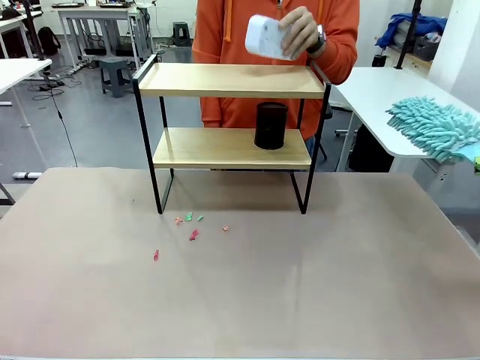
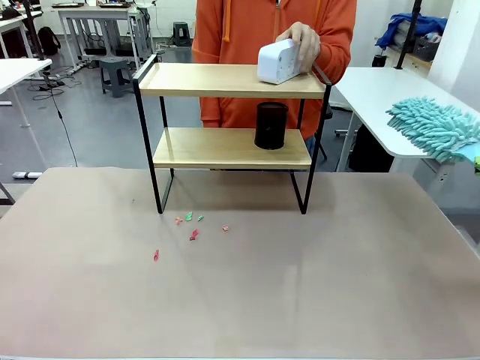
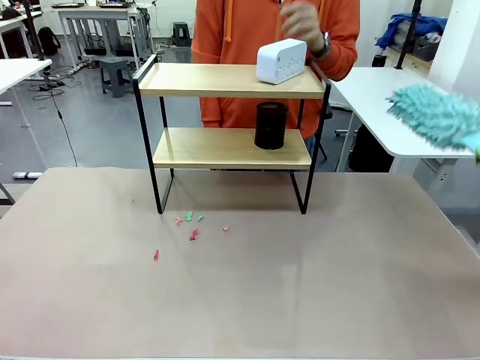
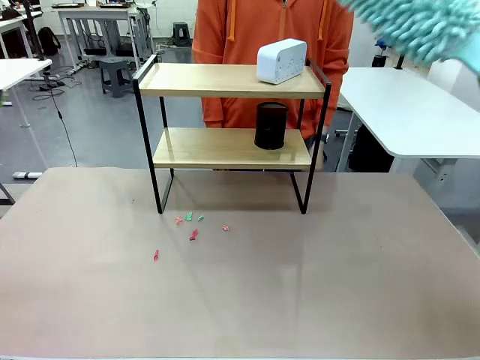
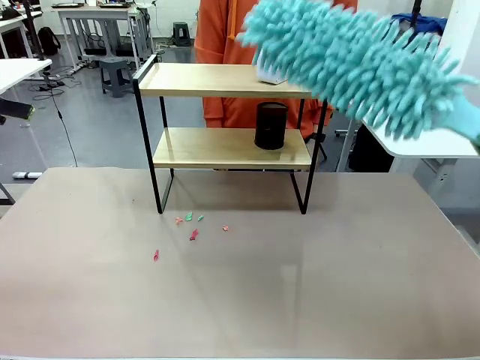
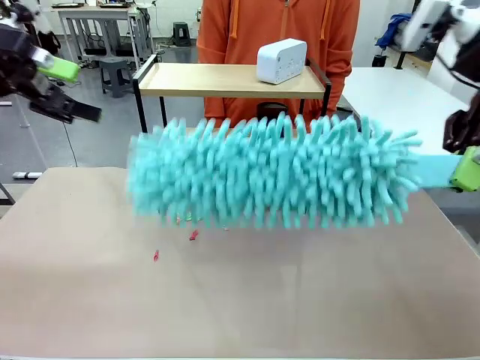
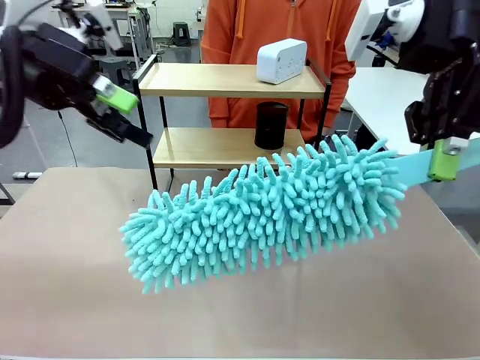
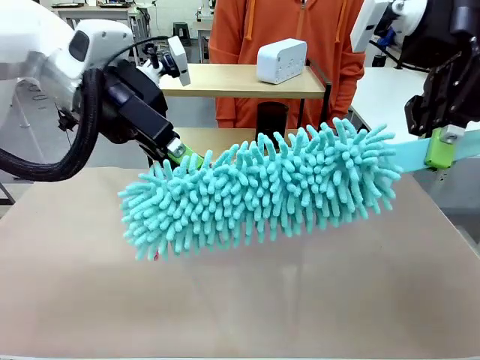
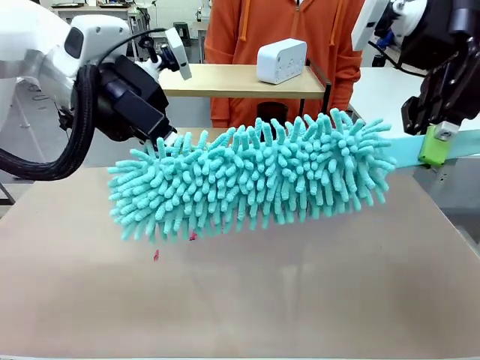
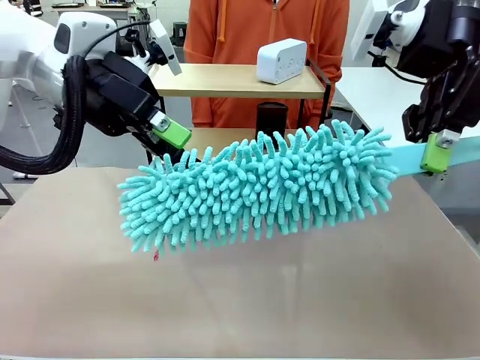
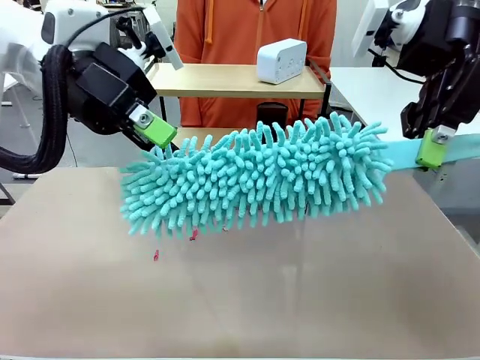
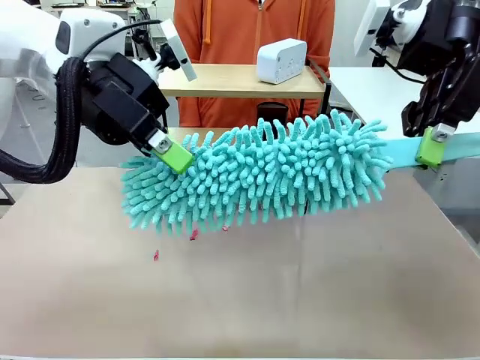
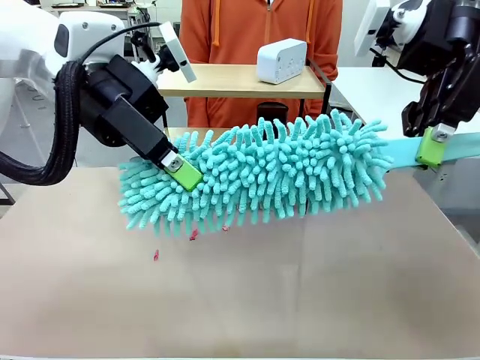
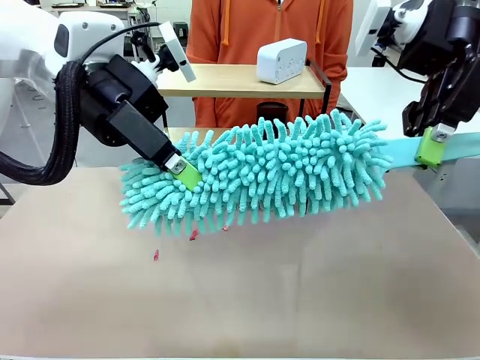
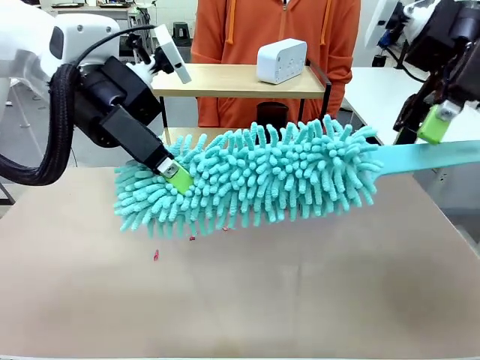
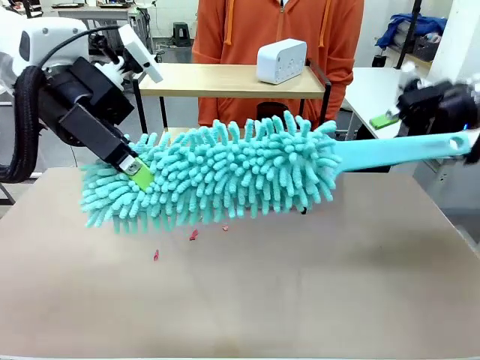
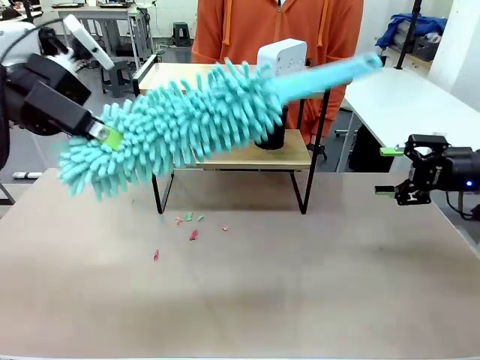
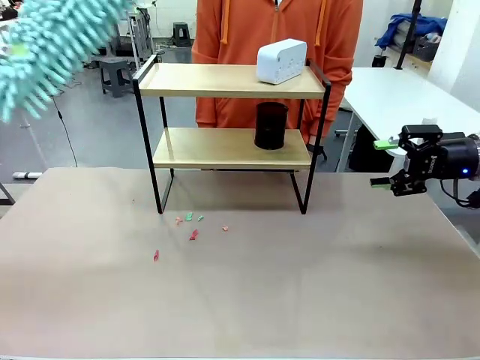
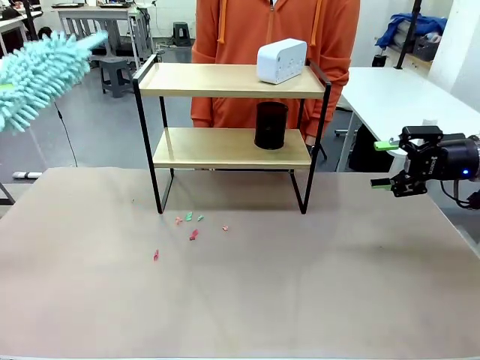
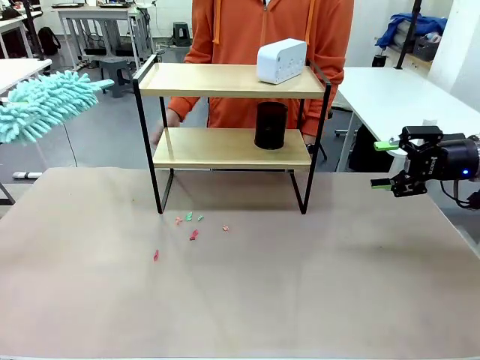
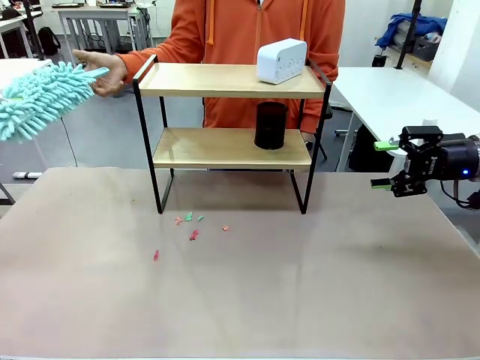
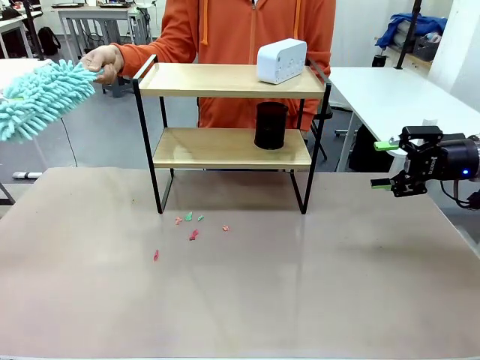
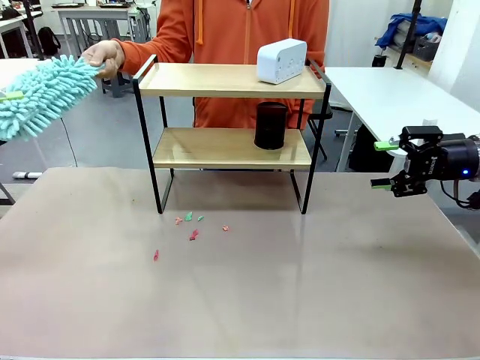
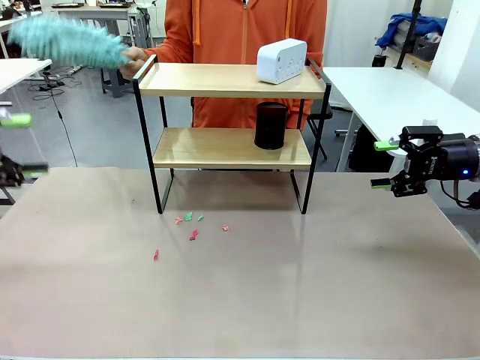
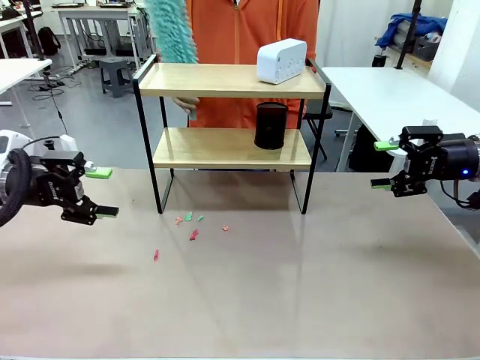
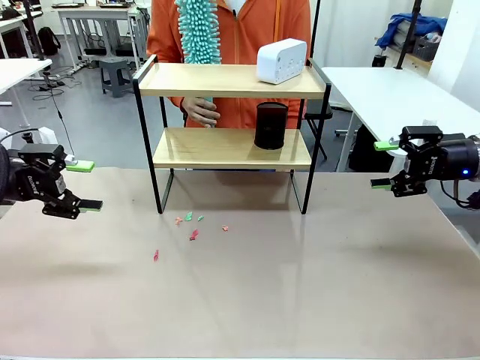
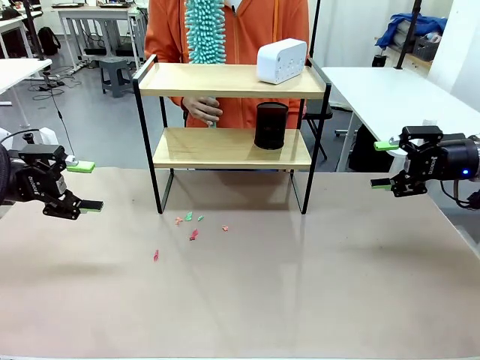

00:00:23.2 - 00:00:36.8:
Task: Clean the shelf.
Robot: Hand the Duster back to the human.
Person: Receive the Duster from the robot.

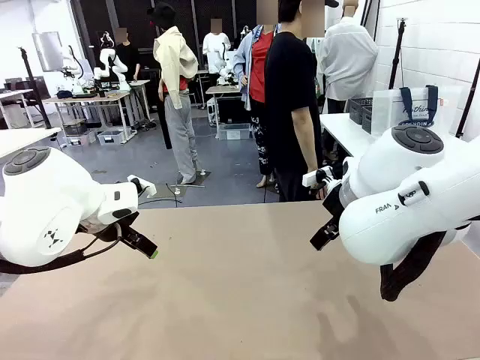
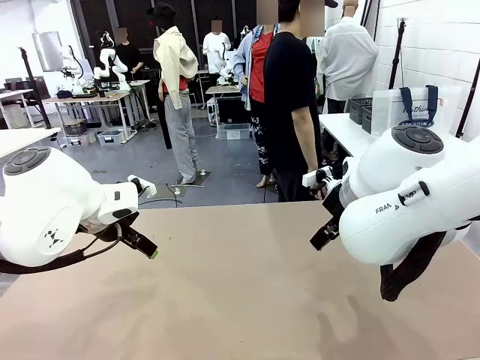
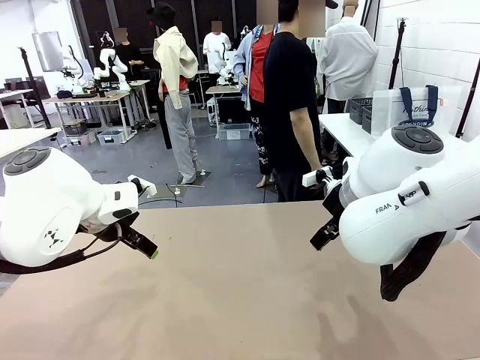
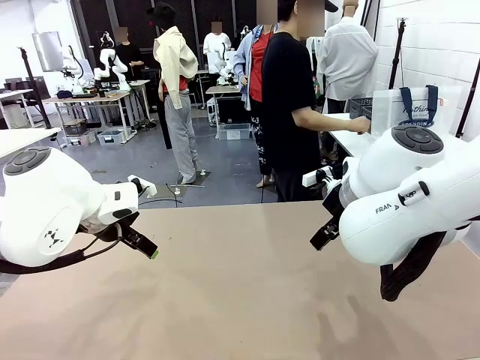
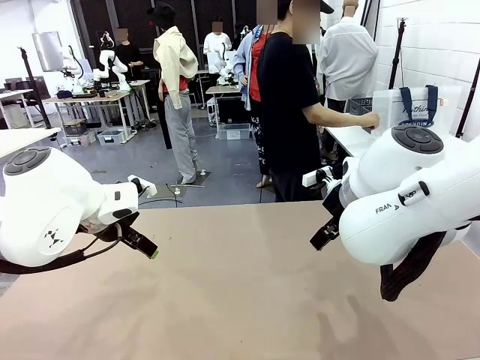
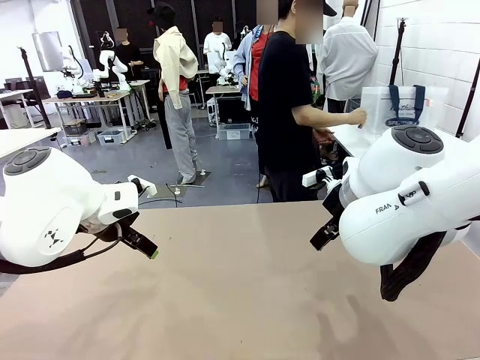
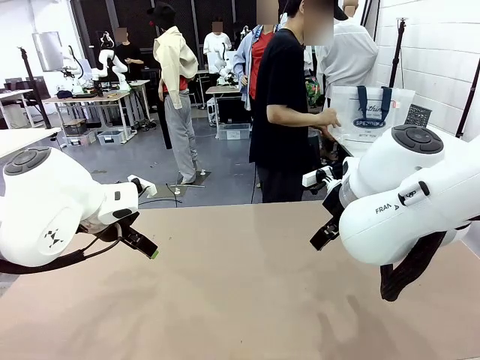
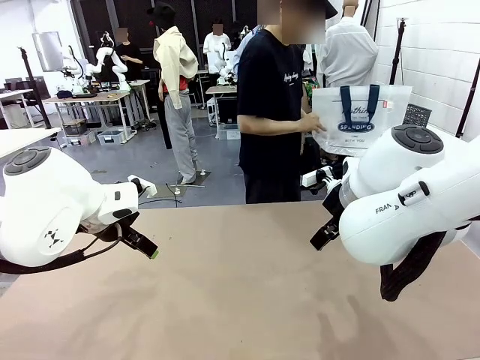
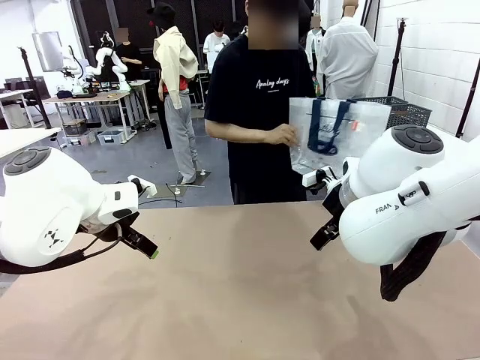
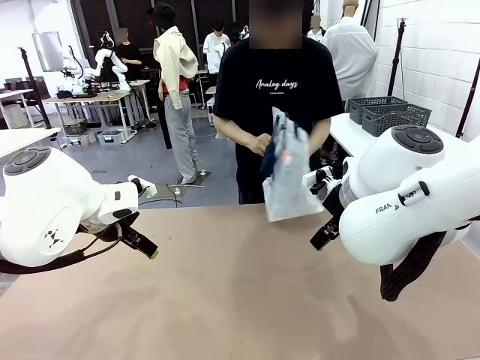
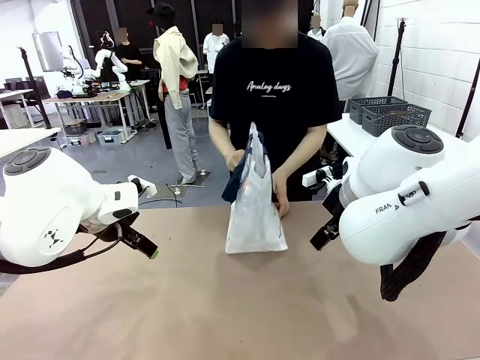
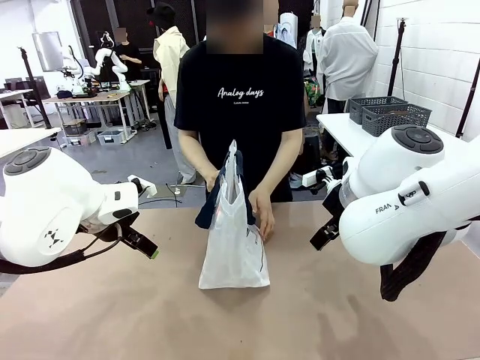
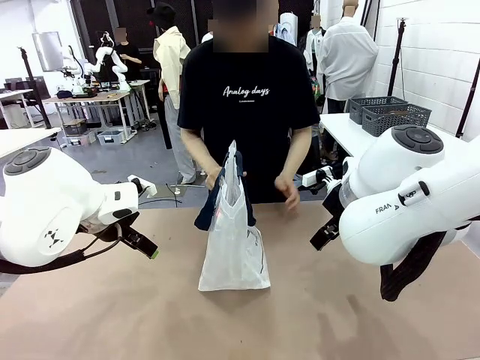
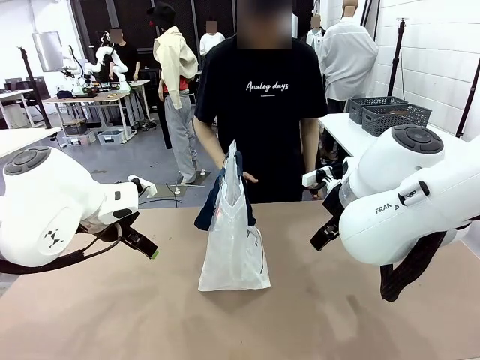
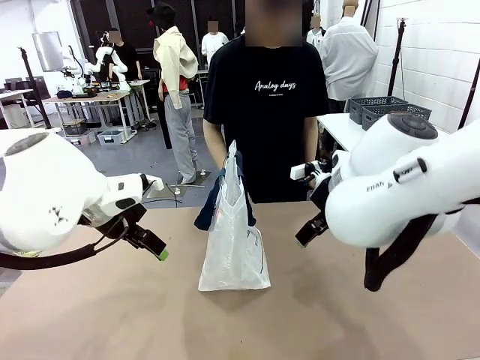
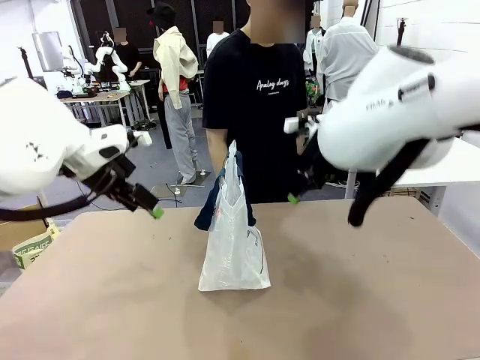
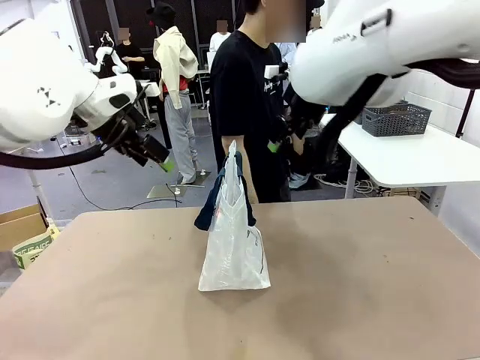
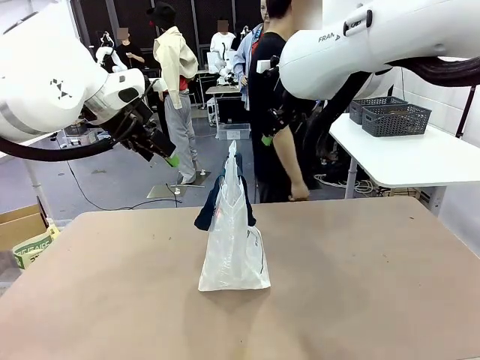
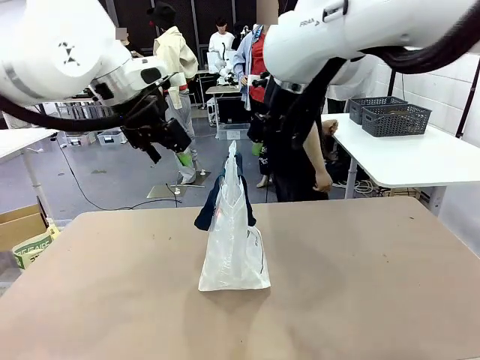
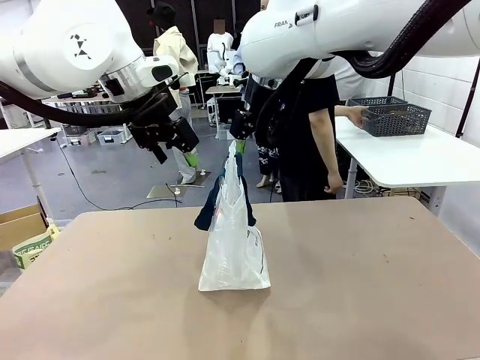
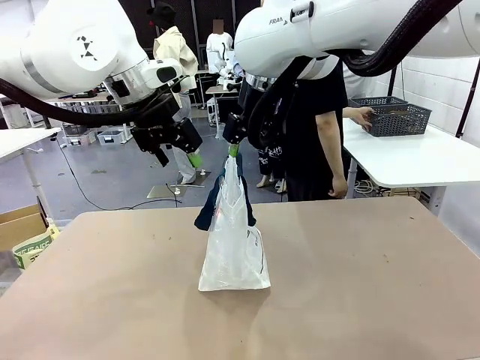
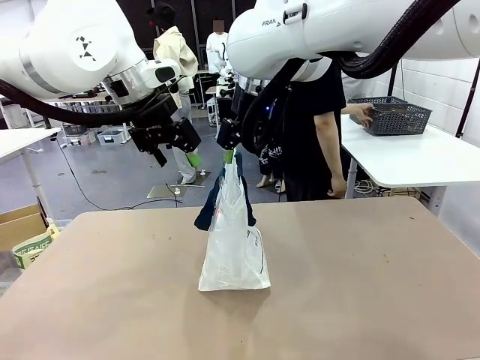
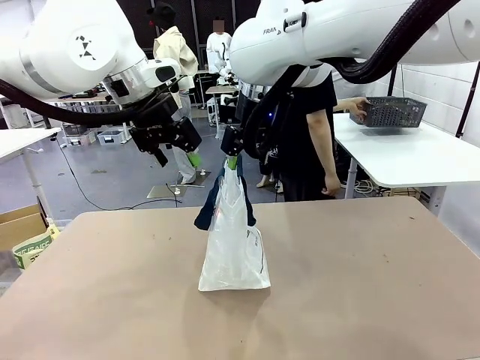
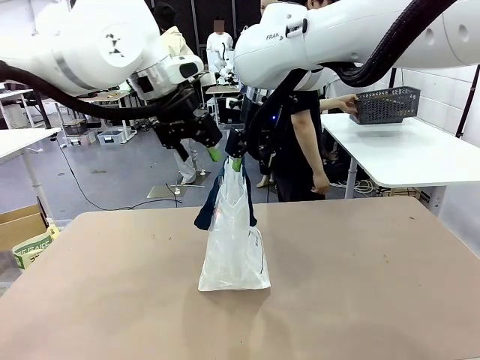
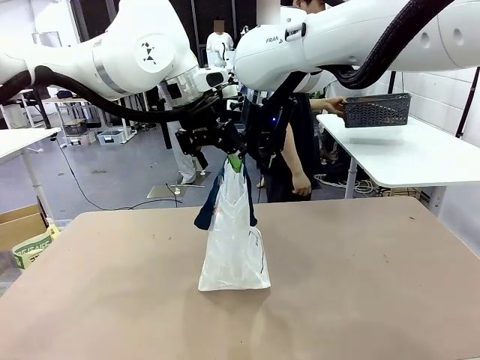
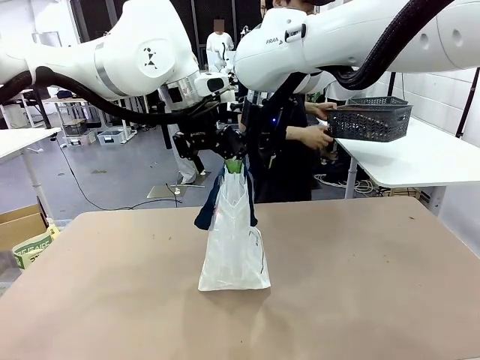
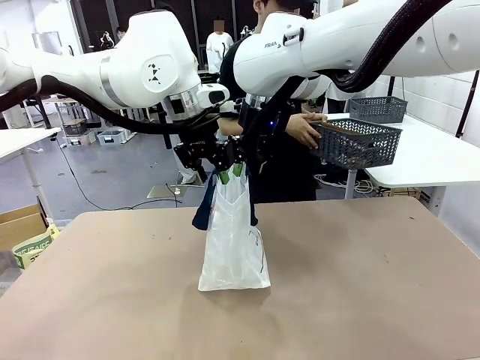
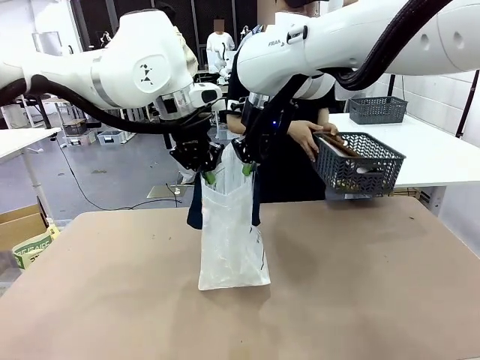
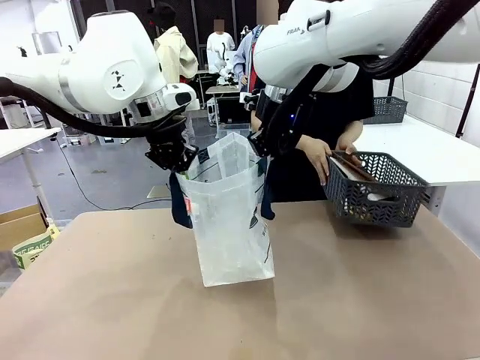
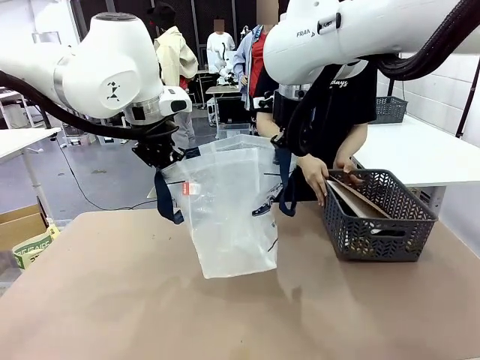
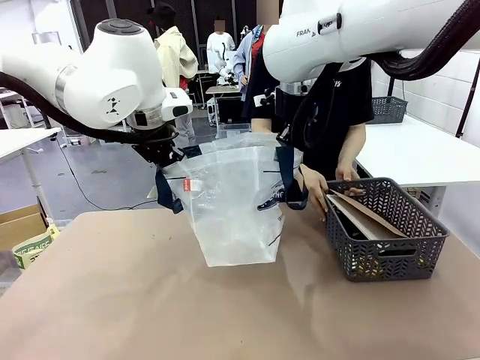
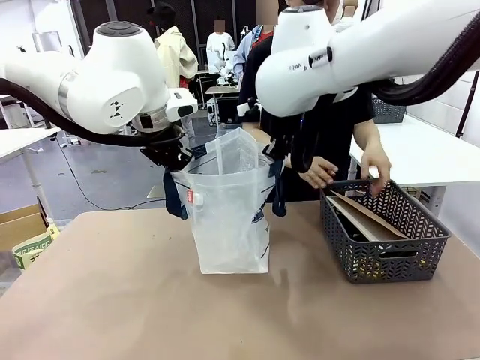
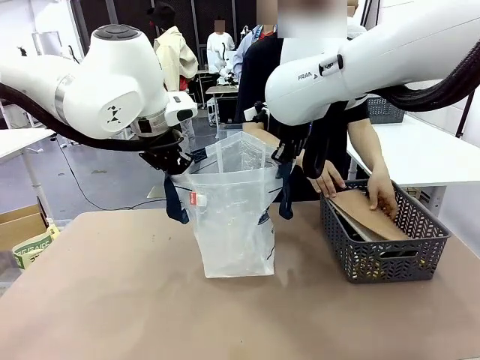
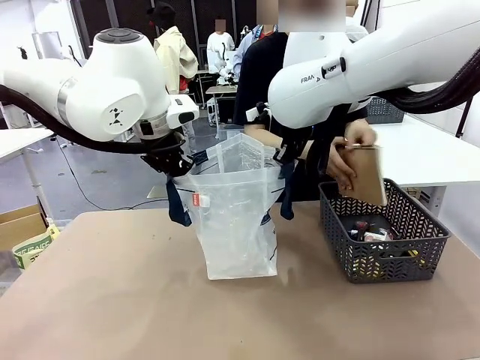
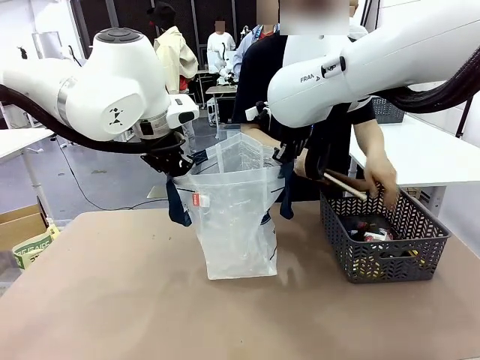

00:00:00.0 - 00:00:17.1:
Task: Transfer purchased items from the store into the shopping bag.
Robot: Open the Reusable shopping bag in the center of the table.
Person: Pick up the shopping bag and place it in the middle of the robot table.
